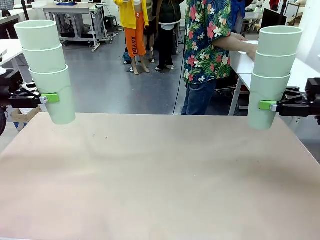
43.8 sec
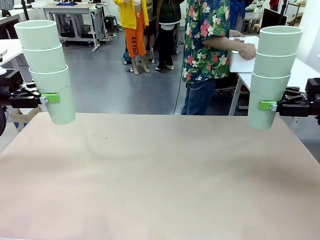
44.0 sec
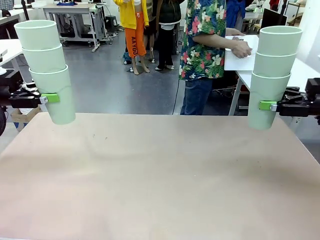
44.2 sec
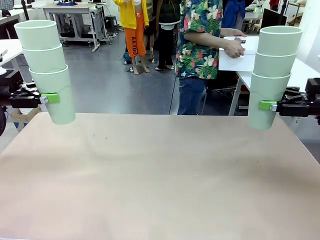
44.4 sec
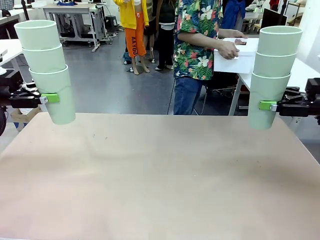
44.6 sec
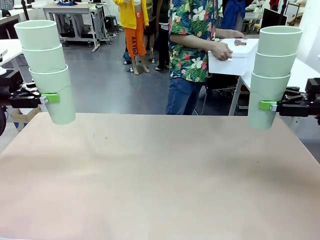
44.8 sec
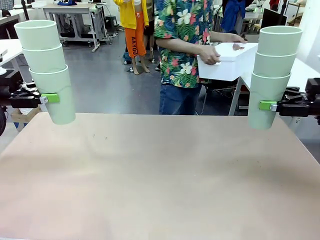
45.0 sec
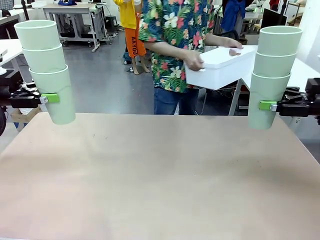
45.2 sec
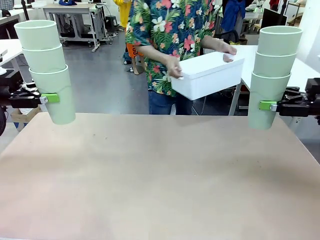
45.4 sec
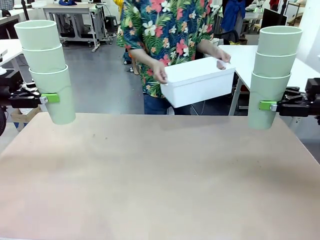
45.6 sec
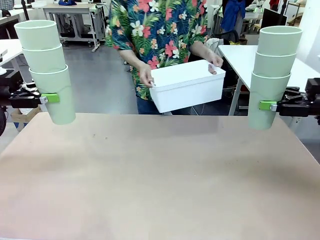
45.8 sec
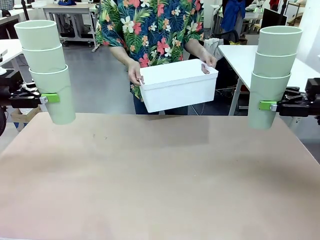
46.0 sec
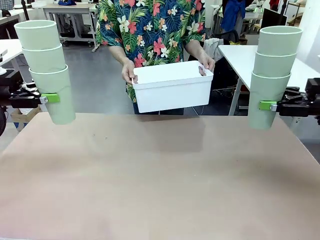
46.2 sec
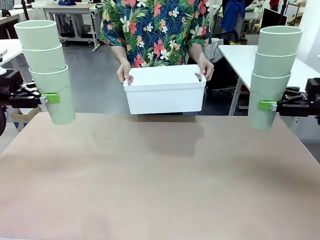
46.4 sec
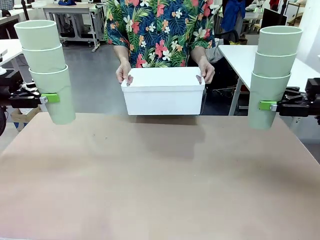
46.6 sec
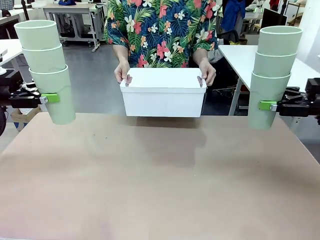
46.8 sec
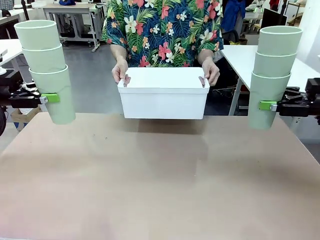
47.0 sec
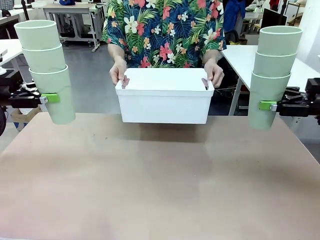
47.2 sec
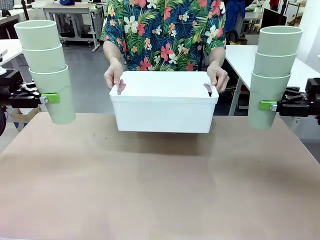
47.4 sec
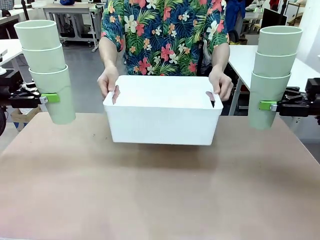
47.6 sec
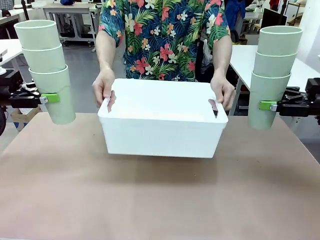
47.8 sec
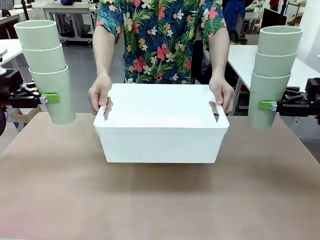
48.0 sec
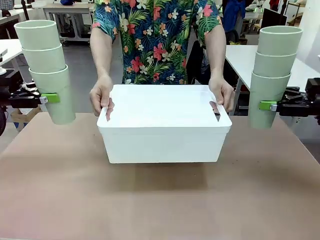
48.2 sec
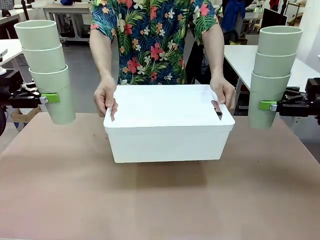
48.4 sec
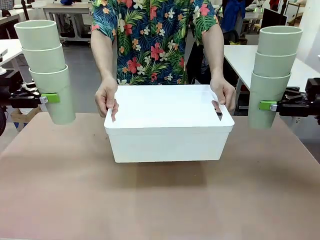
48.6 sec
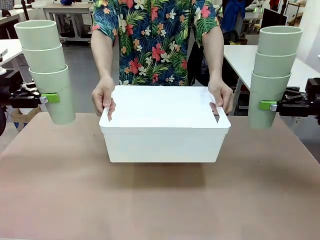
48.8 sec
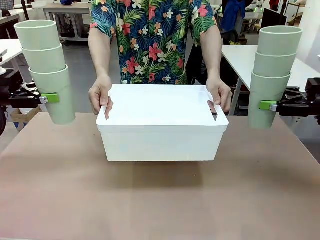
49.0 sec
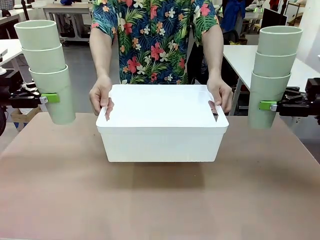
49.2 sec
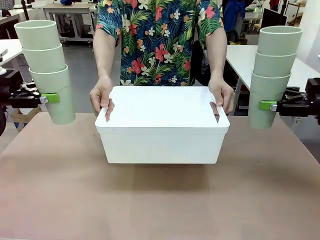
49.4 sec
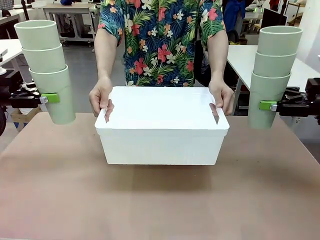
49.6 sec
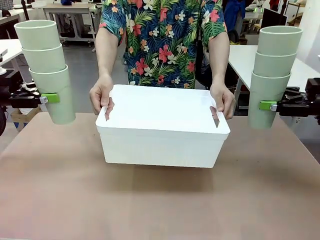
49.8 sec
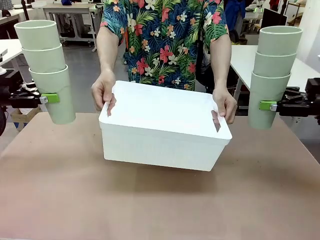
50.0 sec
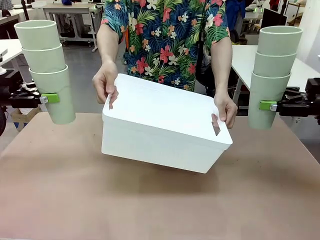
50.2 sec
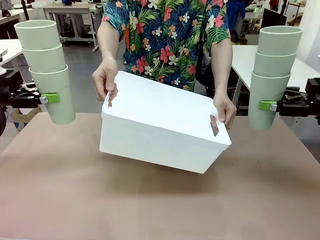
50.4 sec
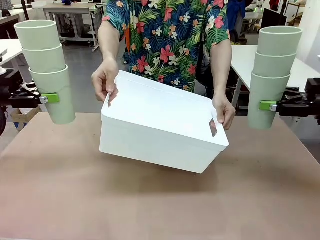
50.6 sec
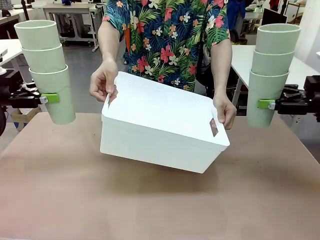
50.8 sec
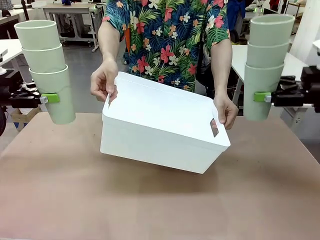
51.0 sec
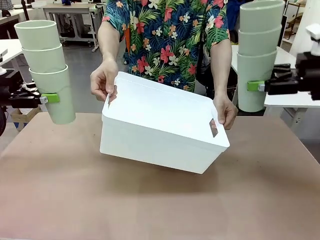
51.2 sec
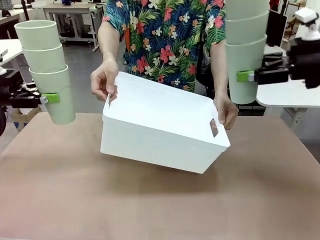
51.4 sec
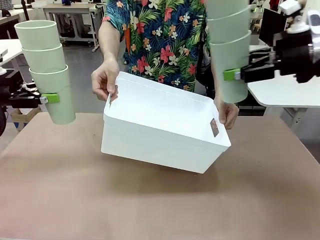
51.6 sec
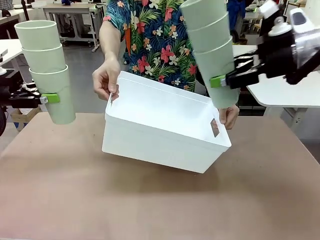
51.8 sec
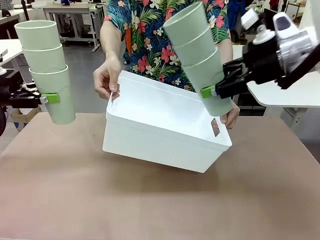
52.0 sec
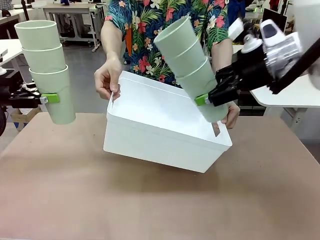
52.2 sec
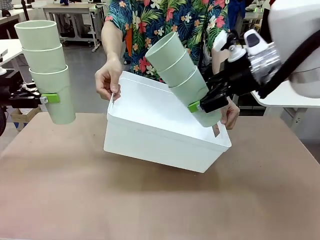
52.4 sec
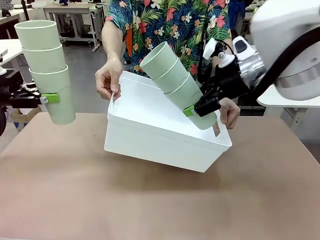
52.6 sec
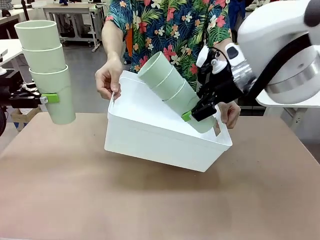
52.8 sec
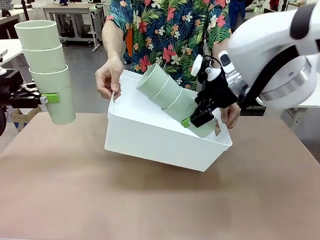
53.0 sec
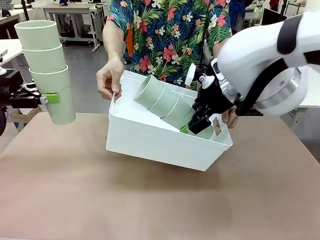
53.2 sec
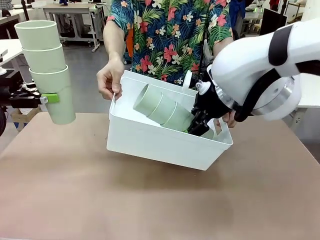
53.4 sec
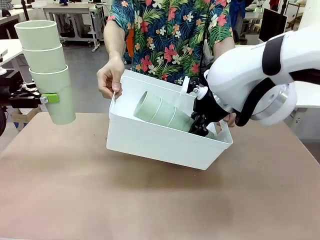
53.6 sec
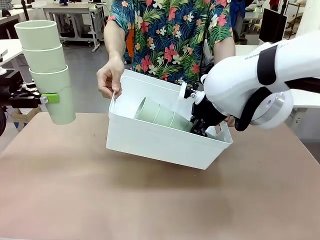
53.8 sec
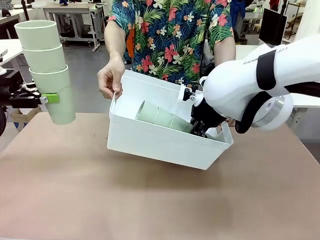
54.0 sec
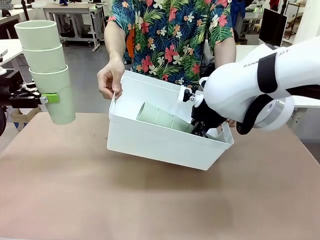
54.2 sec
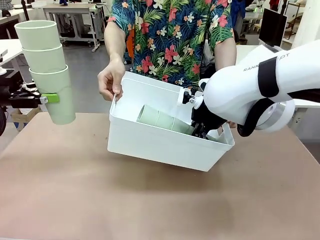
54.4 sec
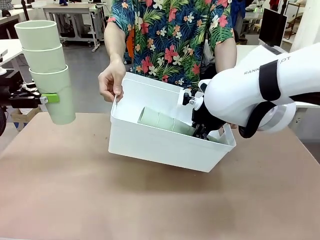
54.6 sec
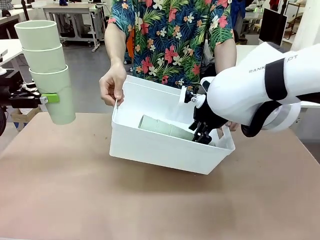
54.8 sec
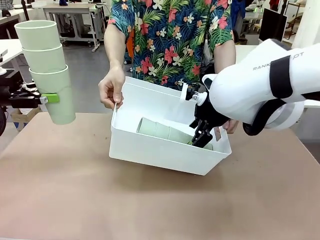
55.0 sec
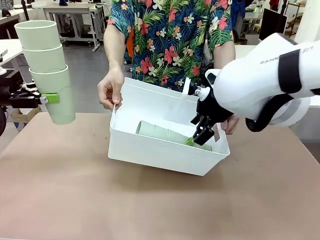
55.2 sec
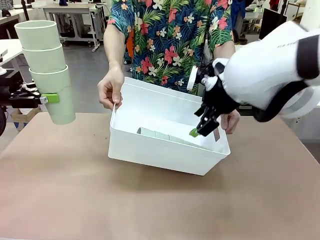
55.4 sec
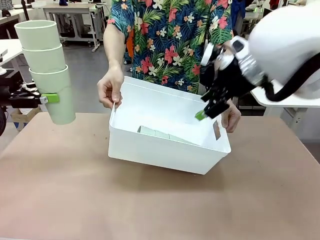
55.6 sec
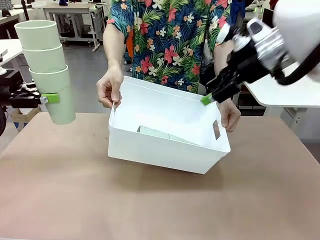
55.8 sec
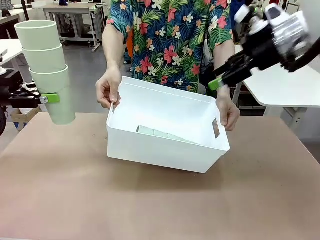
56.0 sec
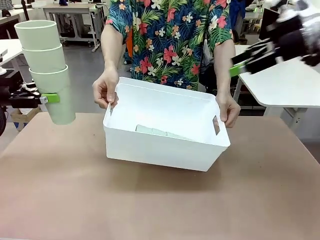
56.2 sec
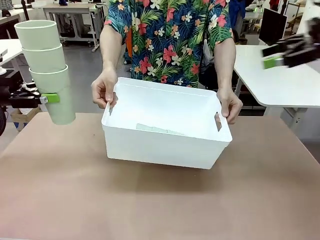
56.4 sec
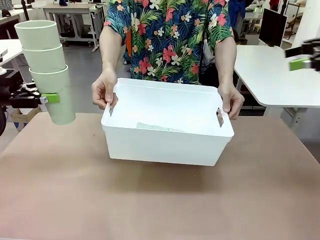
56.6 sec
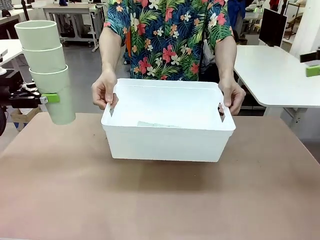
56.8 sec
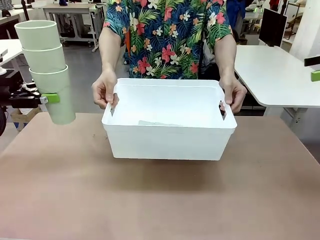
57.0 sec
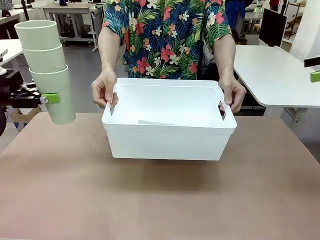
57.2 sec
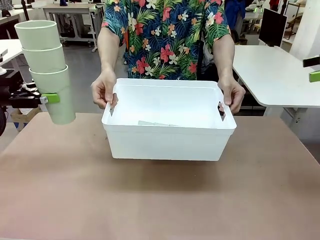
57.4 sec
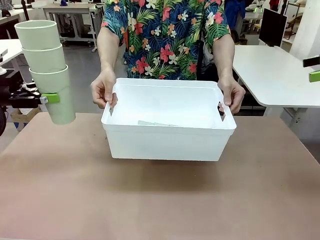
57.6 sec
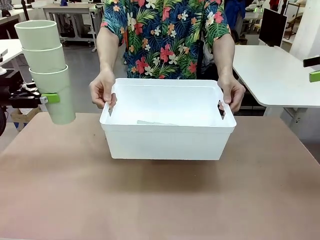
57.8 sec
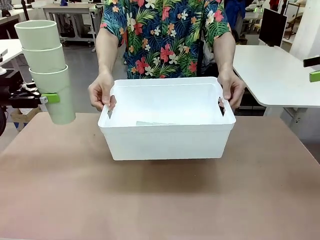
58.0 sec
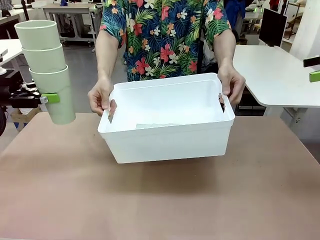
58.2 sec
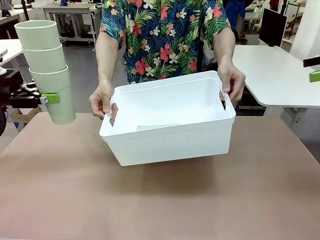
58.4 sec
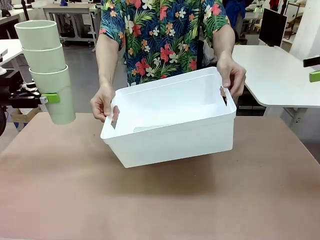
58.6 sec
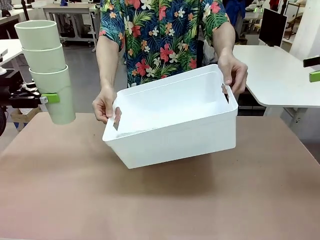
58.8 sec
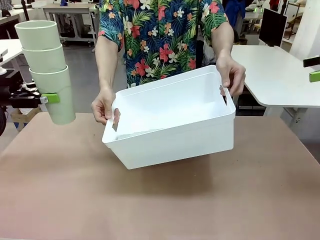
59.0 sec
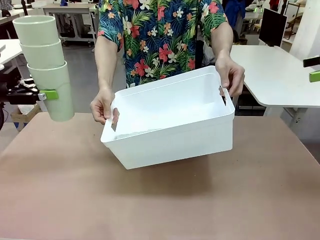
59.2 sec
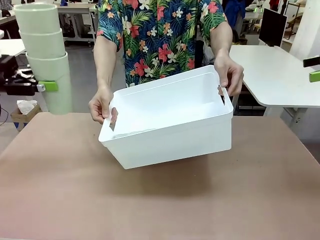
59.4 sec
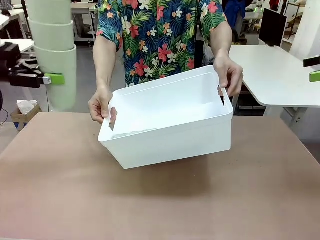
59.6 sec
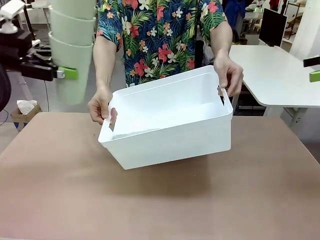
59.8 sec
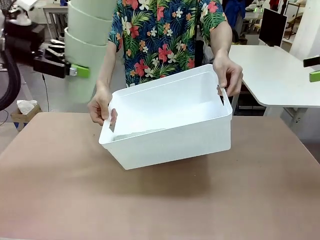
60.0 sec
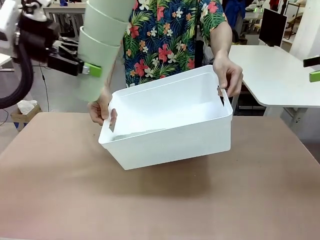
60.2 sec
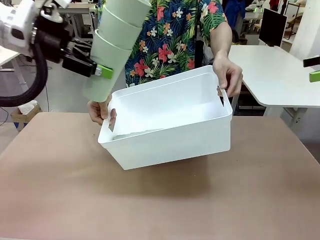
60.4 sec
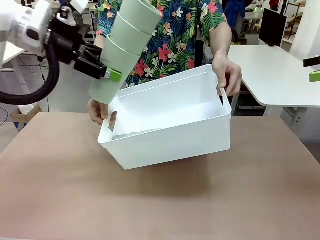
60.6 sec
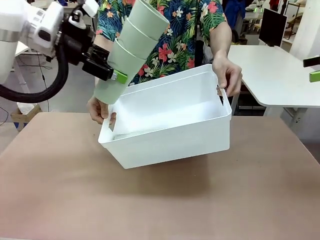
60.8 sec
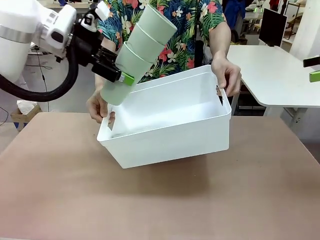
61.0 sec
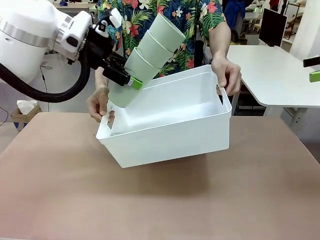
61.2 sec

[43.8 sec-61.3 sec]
Task: Stack the cups and store them in the basket.
Robot: Place the stack of Reusable plastic cups into the Pantry Basket.
